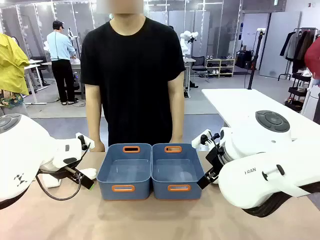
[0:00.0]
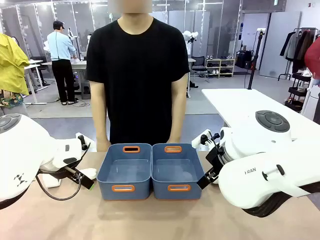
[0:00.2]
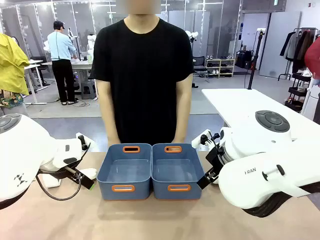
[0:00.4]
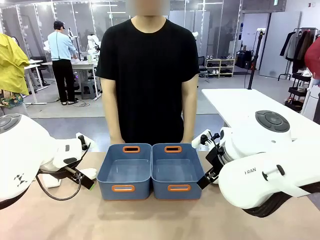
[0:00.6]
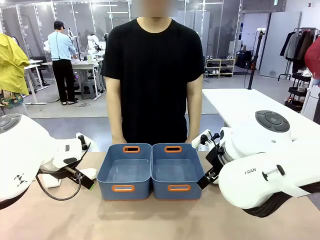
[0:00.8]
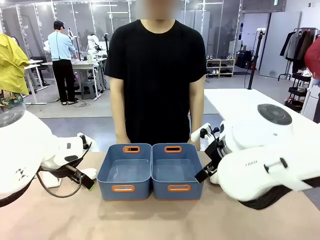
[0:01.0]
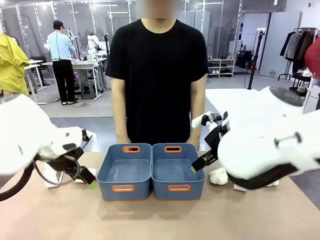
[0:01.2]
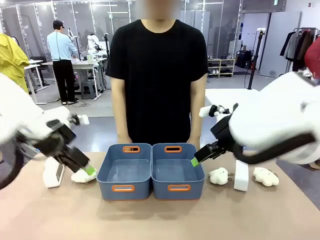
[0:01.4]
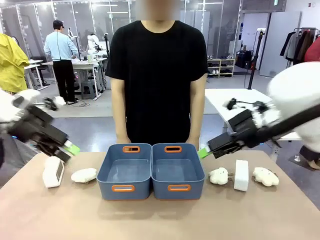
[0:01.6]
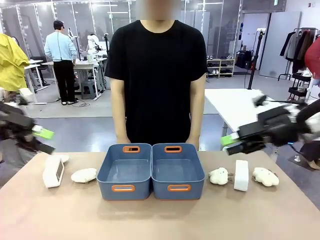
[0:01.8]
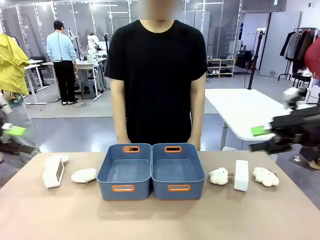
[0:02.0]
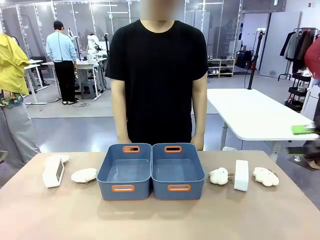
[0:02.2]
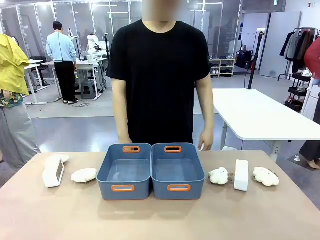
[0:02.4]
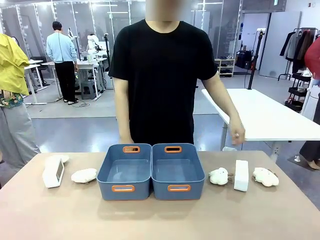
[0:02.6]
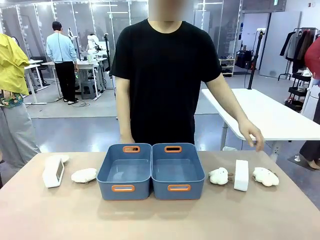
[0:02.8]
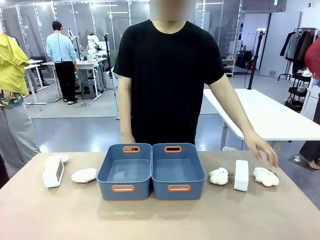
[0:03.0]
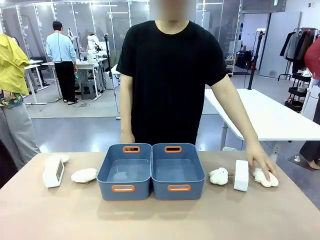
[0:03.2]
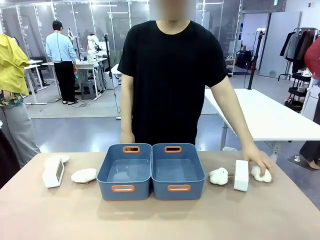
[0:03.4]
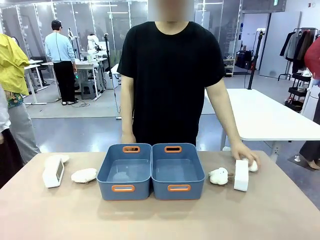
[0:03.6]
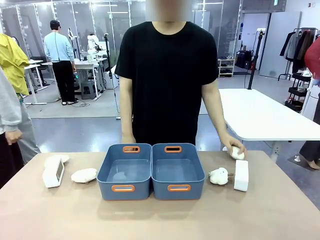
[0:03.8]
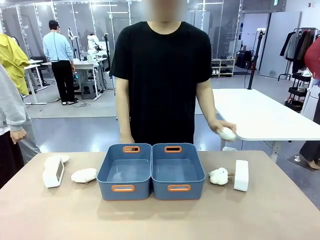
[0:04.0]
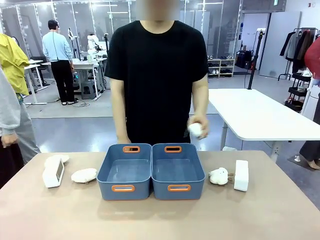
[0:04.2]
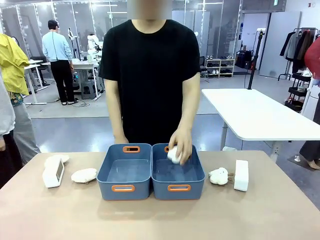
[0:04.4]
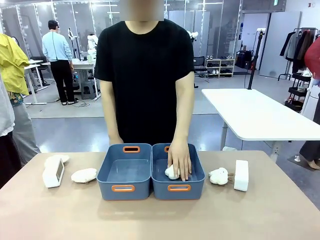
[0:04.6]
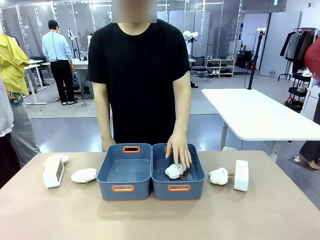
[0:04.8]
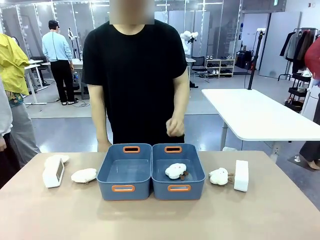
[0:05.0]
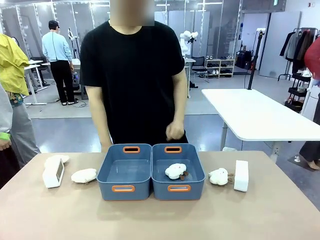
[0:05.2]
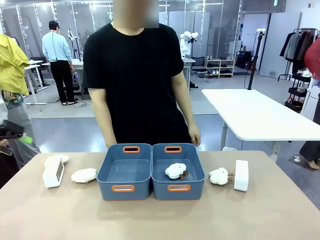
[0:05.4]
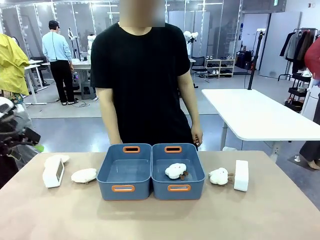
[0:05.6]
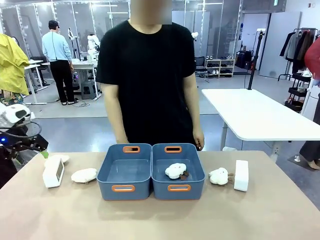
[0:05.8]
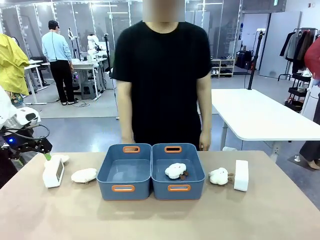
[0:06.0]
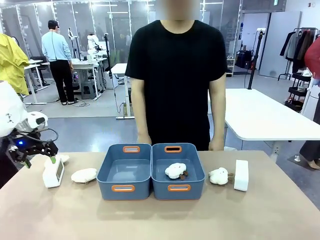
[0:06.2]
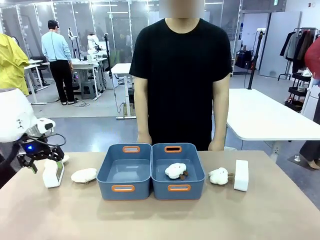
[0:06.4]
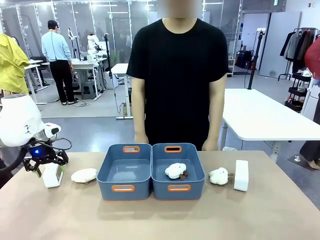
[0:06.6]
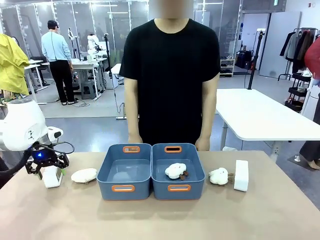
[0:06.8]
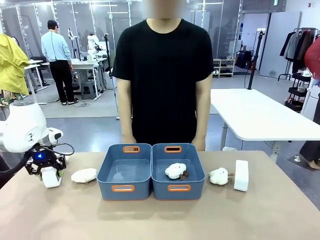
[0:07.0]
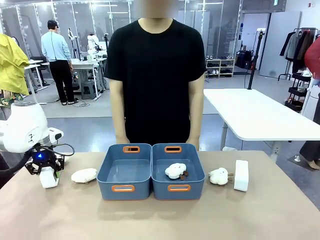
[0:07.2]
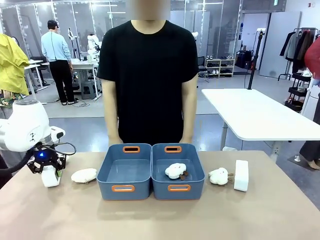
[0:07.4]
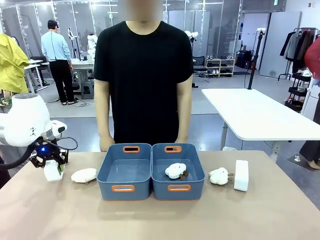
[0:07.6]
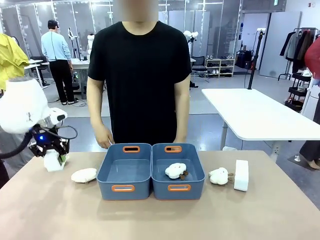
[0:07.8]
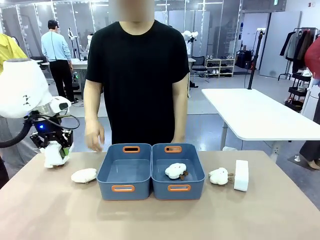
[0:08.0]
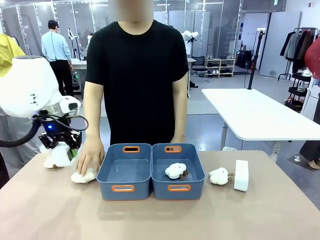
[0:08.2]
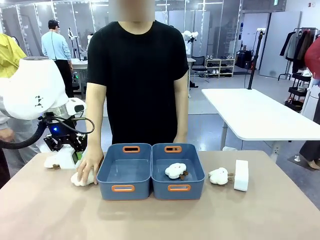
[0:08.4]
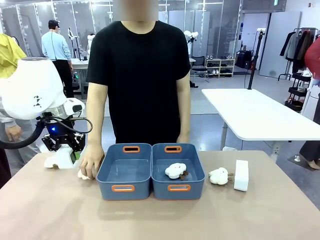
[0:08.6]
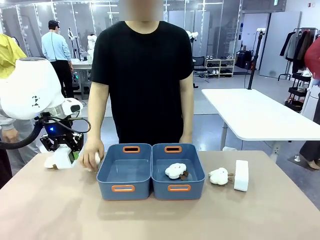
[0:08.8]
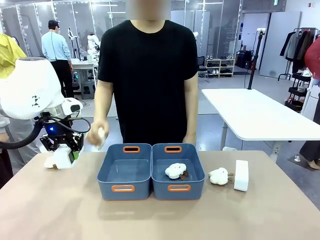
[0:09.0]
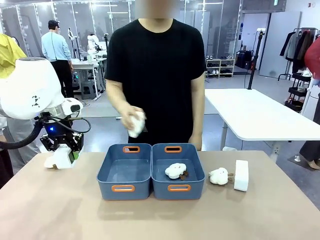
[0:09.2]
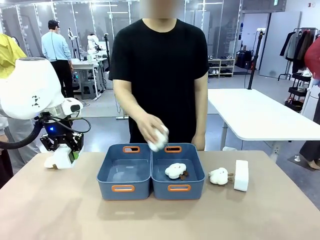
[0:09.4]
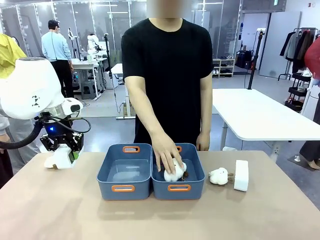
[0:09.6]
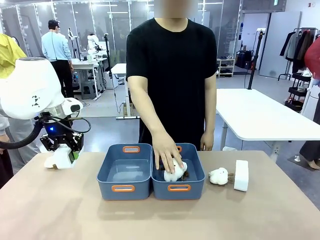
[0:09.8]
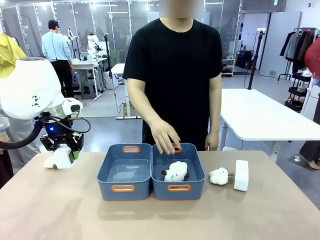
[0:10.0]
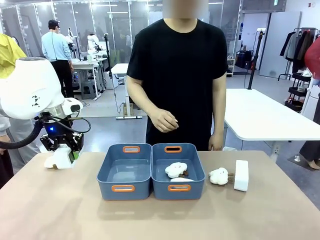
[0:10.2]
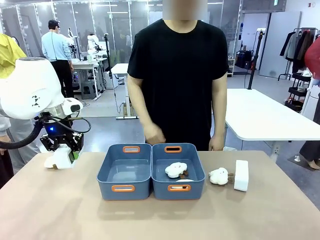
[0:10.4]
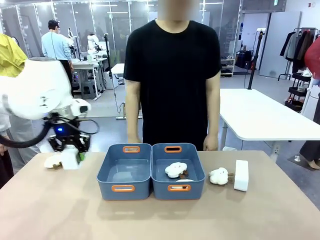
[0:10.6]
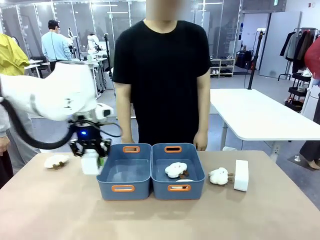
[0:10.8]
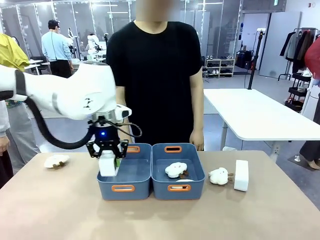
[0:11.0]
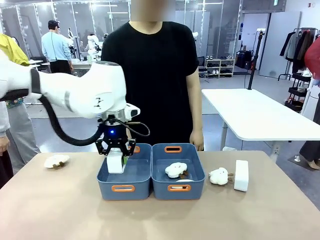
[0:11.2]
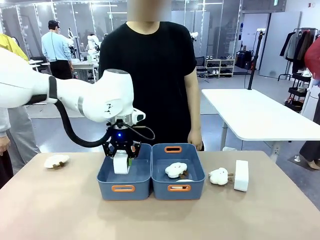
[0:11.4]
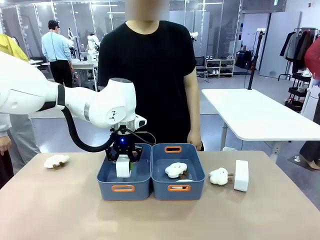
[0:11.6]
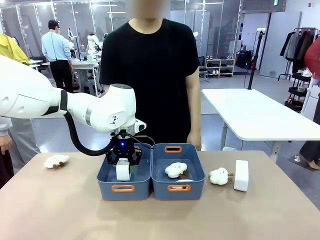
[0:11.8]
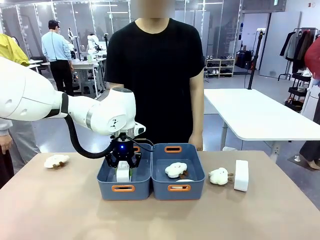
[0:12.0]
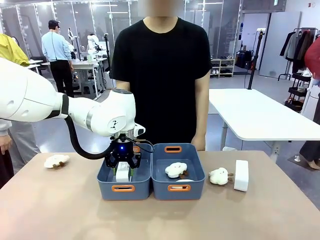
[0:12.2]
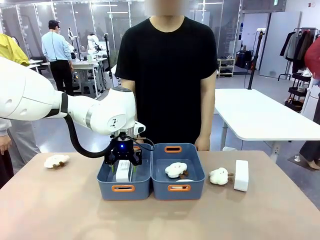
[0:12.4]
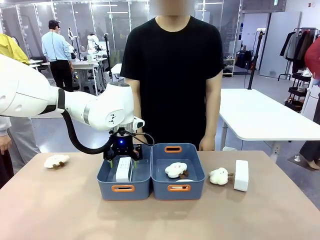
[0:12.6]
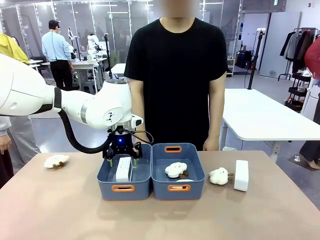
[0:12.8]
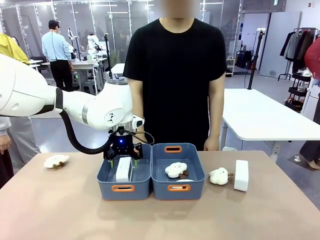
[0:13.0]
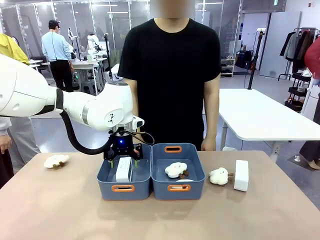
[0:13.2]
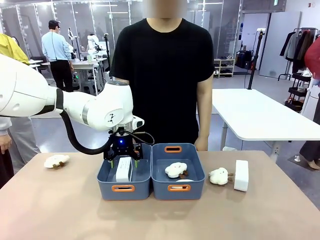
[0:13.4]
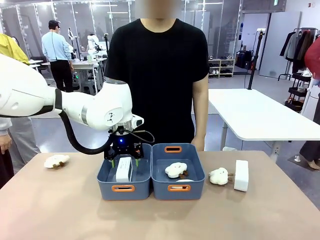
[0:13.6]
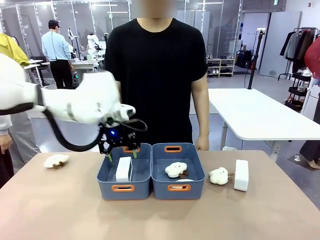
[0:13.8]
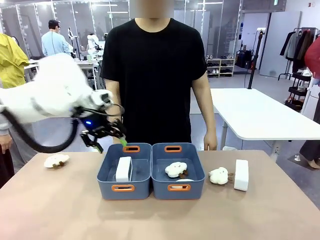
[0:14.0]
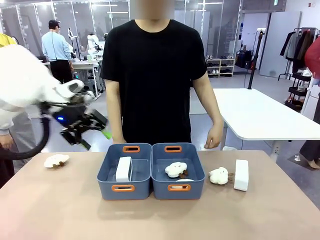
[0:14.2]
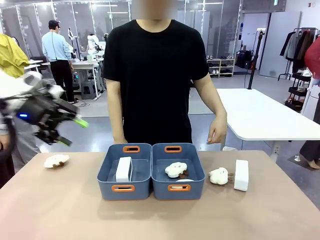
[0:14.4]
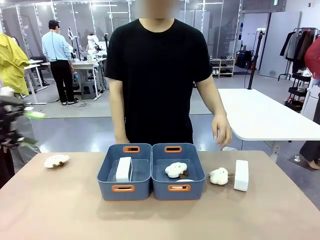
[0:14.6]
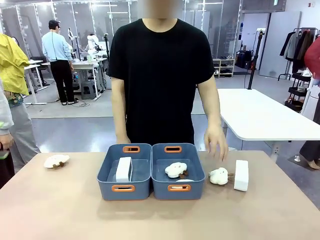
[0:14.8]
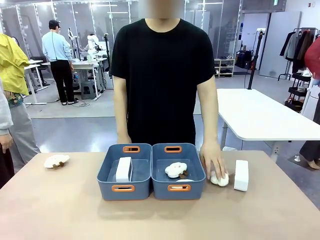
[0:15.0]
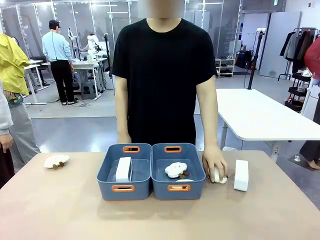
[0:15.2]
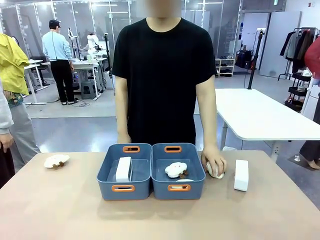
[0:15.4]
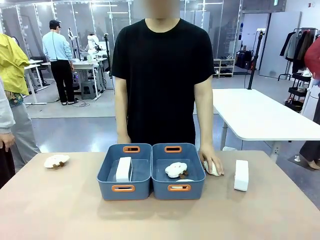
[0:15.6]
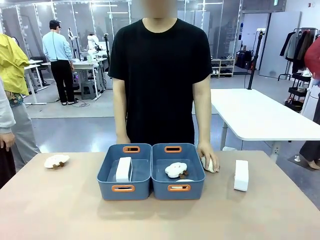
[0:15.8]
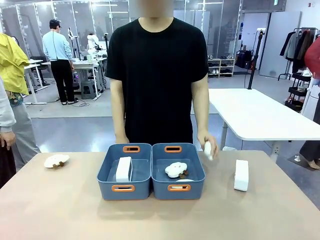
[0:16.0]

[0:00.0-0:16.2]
Task: Sort the digital clocks into the basket.
Robot: Pick up the Digital clock from the table and place it into the empty Plastic storage basket.
Person: Pick up a plush toy from the table and place it in a plastic storage basket.

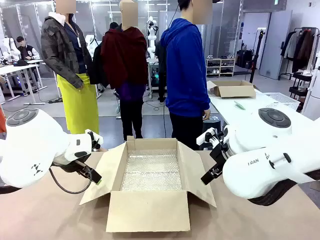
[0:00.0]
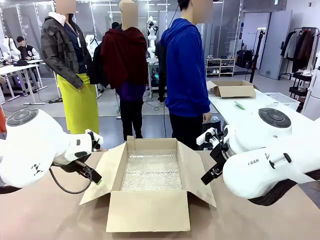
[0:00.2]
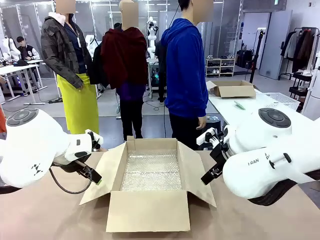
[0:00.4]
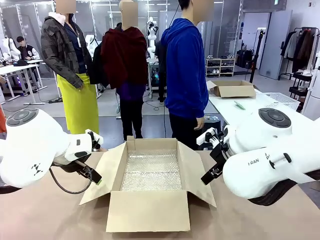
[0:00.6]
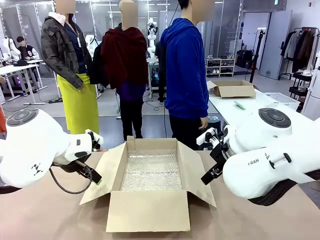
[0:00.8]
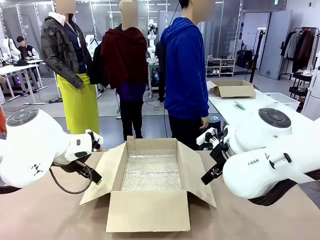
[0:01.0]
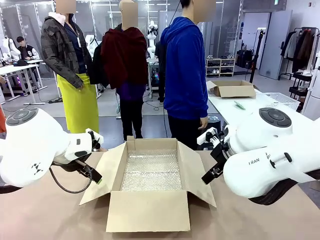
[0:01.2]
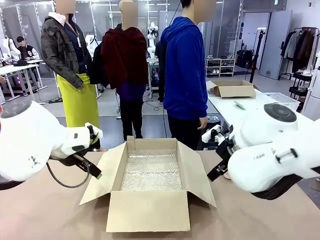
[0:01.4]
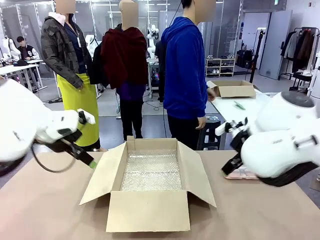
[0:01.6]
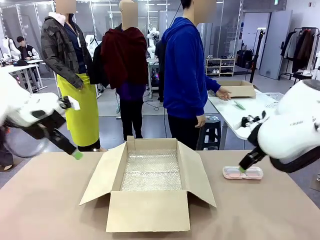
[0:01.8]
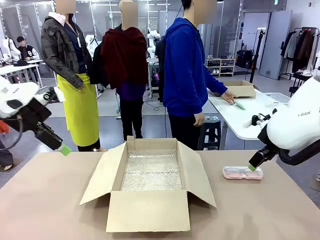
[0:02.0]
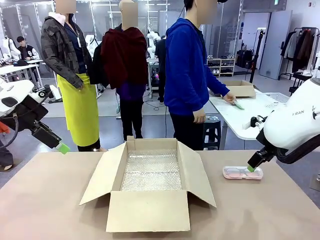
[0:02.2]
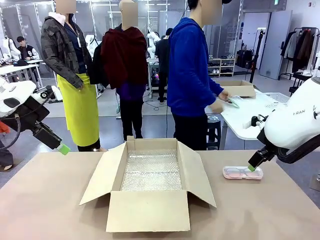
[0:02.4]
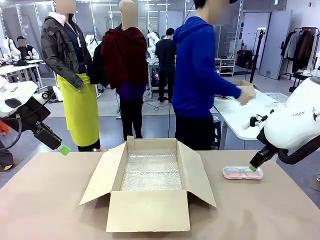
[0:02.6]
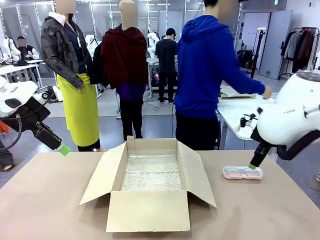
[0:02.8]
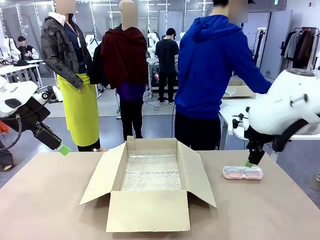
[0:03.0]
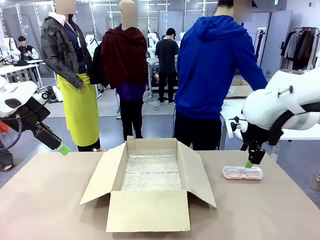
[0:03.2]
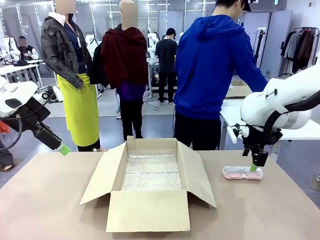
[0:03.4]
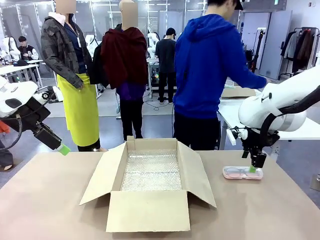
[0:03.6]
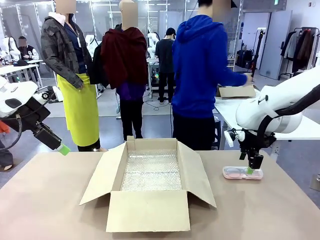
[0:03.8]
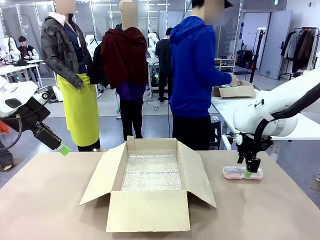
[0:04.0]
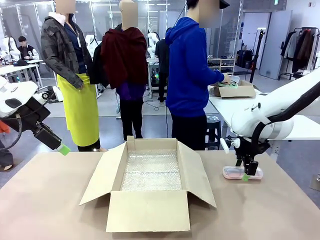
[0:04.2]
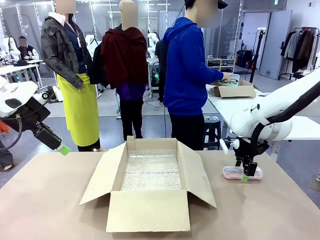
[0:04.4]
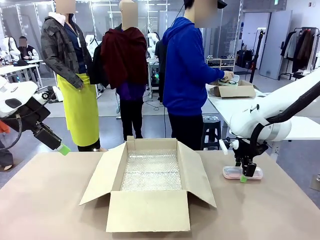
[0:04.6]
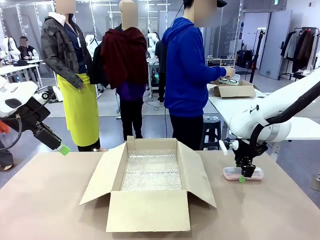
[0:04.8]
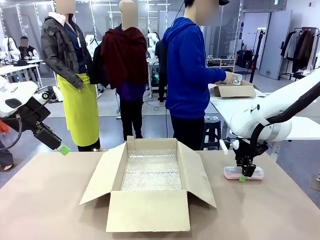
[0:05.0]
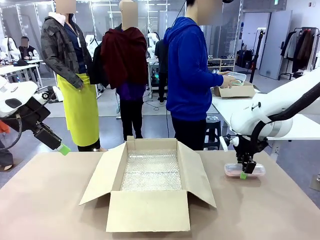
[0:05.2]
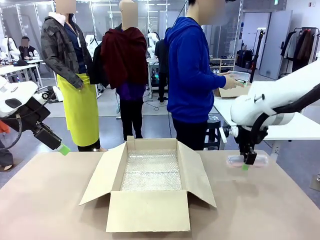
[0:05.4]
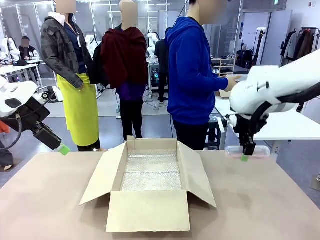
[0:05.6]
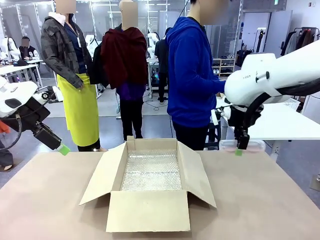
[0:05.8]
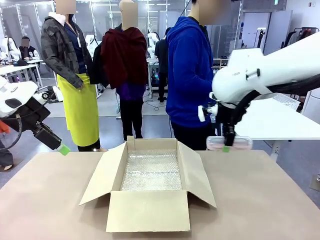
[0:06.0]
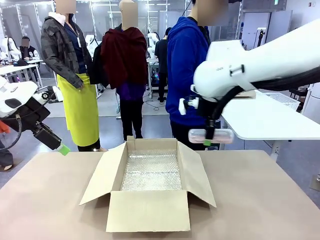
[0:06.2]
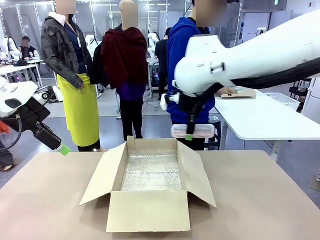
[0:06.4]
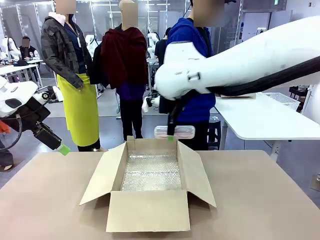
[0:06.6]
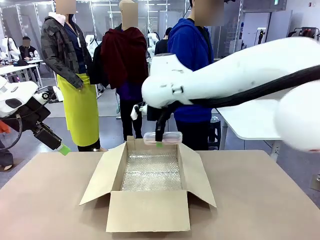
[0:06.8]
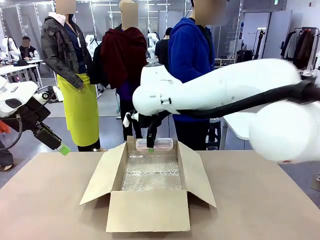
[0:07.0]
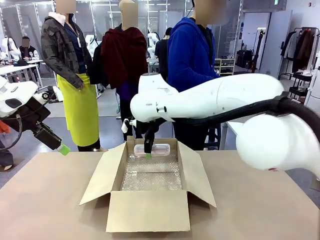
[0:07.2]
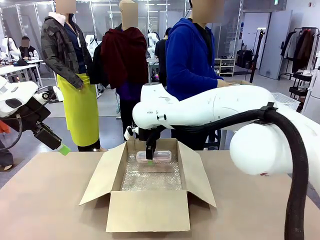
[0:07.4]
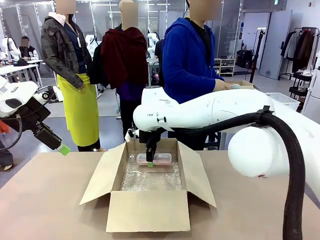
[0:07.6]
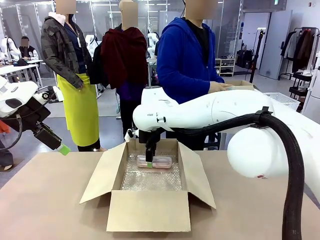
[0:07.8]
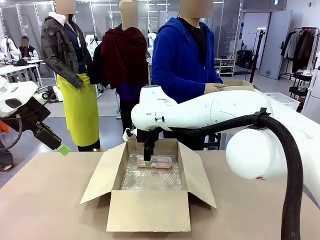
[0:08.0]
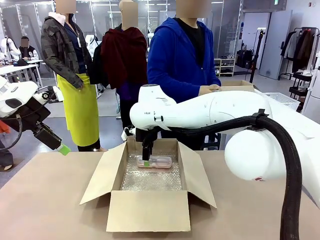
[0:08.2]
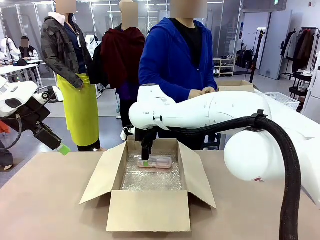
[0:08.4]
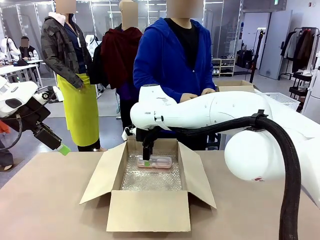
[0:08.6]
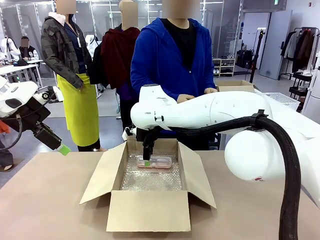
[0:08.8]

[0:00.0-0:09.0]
Task: Pack the glasses set securely to prepare it for shipping.
Robot: Place the Glasses case inside the Package Box.
Person: Place the Glasses inside the Glasses case.
